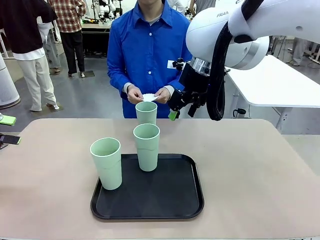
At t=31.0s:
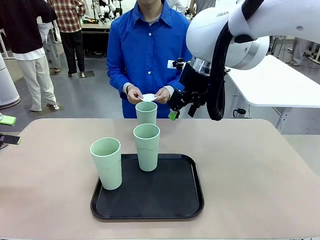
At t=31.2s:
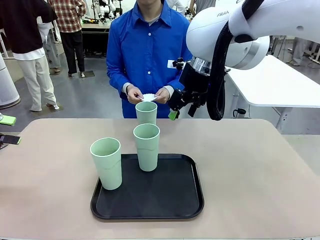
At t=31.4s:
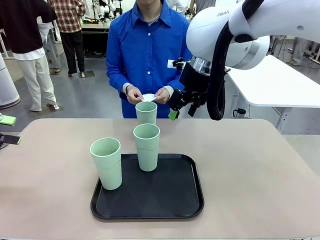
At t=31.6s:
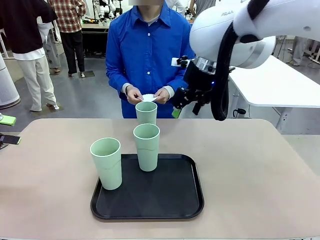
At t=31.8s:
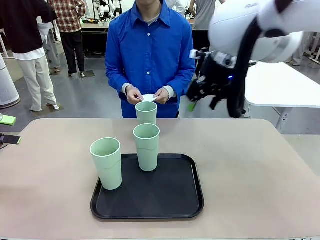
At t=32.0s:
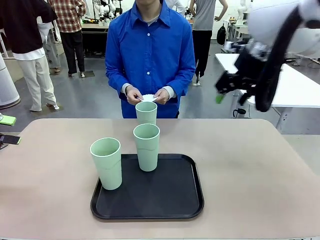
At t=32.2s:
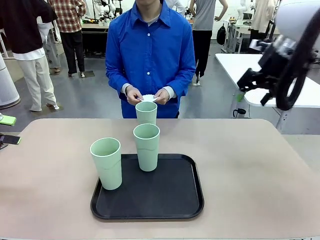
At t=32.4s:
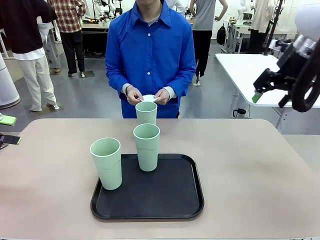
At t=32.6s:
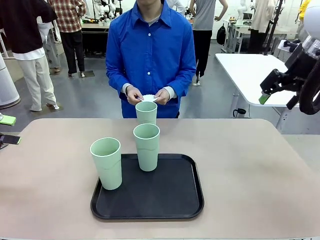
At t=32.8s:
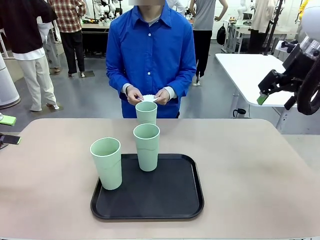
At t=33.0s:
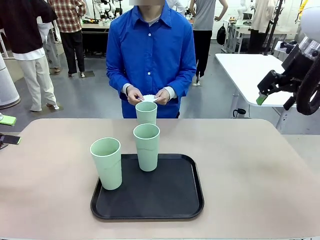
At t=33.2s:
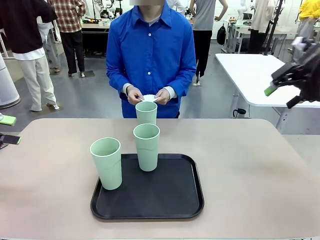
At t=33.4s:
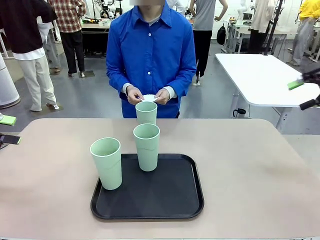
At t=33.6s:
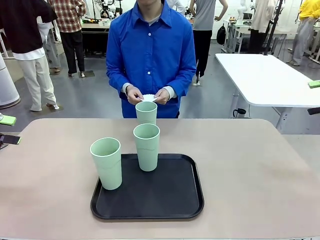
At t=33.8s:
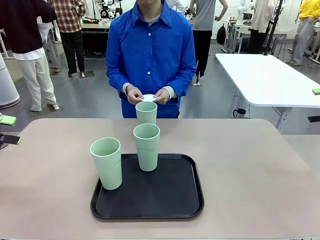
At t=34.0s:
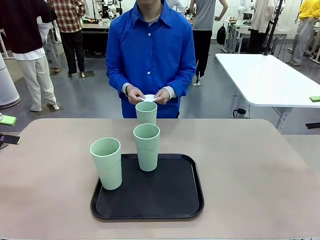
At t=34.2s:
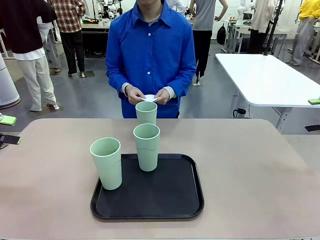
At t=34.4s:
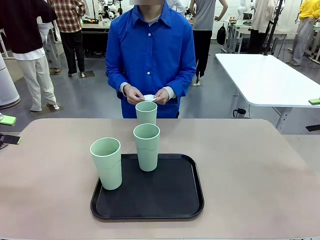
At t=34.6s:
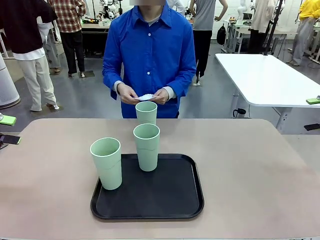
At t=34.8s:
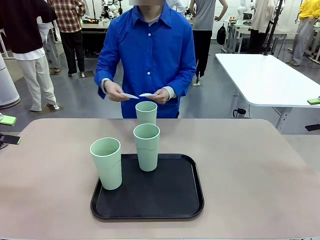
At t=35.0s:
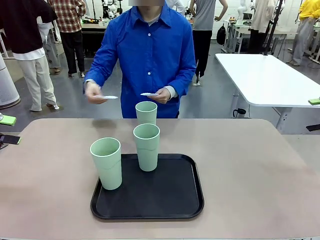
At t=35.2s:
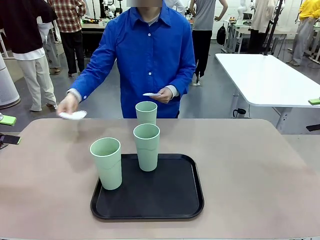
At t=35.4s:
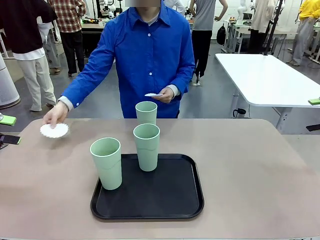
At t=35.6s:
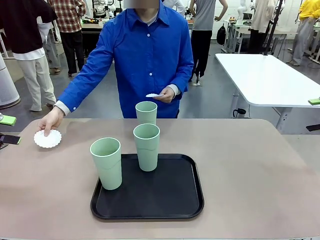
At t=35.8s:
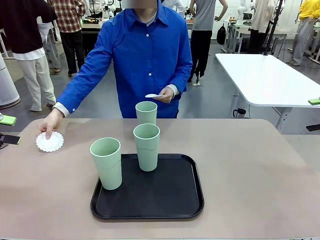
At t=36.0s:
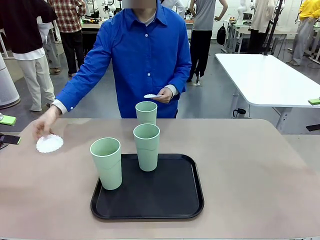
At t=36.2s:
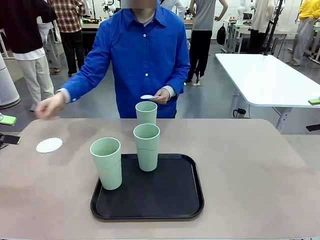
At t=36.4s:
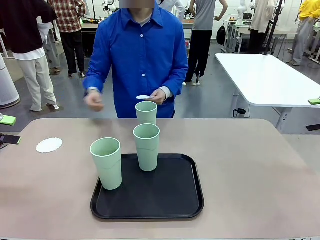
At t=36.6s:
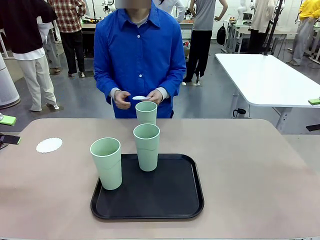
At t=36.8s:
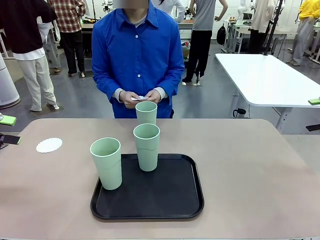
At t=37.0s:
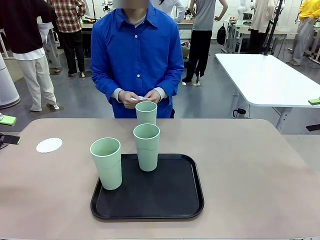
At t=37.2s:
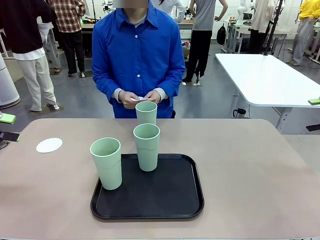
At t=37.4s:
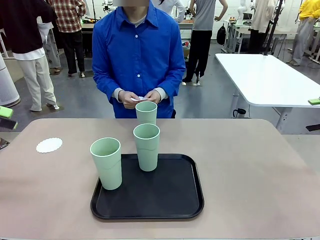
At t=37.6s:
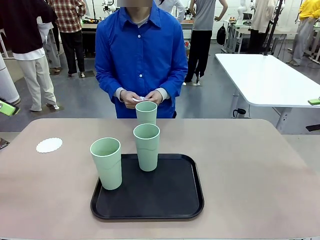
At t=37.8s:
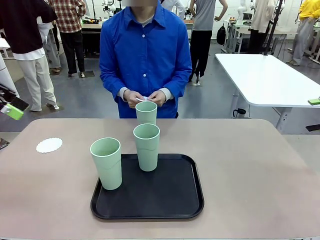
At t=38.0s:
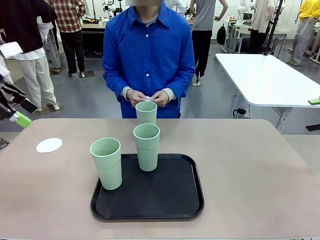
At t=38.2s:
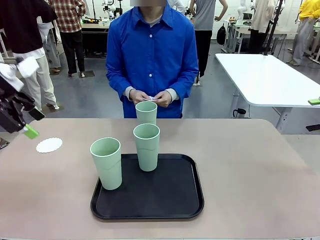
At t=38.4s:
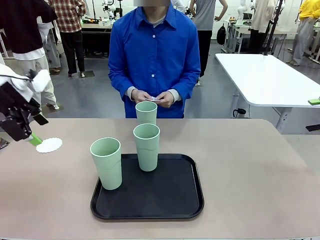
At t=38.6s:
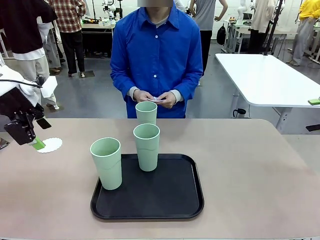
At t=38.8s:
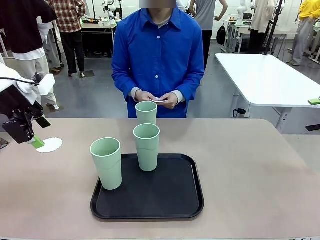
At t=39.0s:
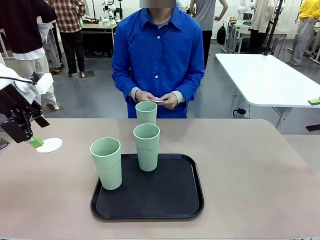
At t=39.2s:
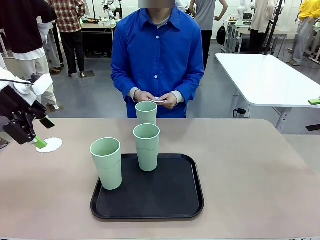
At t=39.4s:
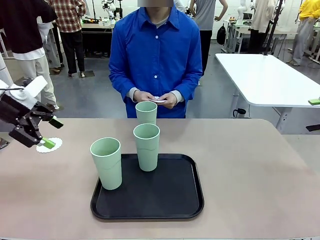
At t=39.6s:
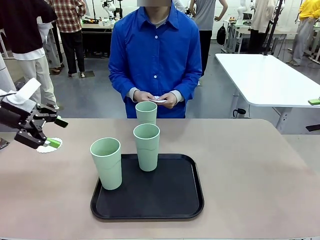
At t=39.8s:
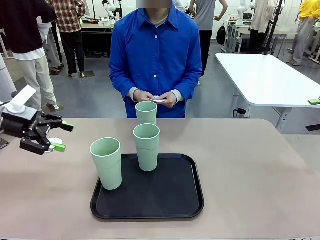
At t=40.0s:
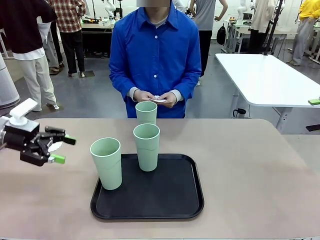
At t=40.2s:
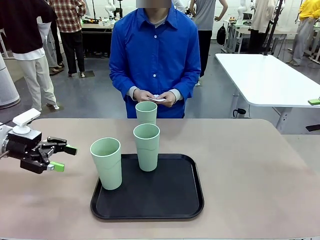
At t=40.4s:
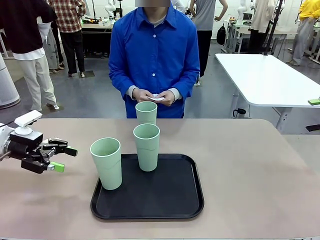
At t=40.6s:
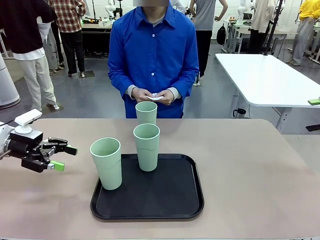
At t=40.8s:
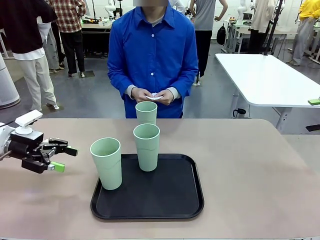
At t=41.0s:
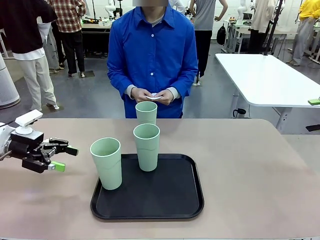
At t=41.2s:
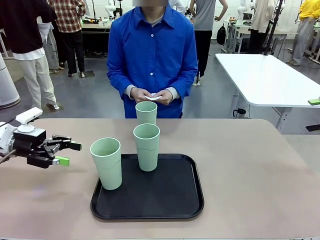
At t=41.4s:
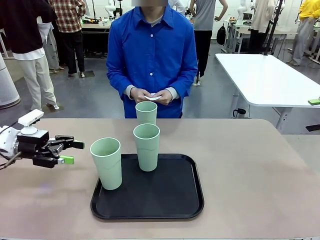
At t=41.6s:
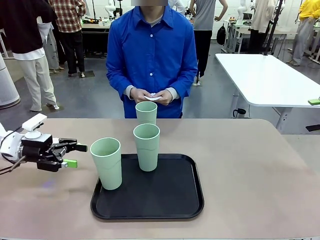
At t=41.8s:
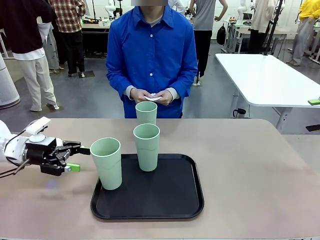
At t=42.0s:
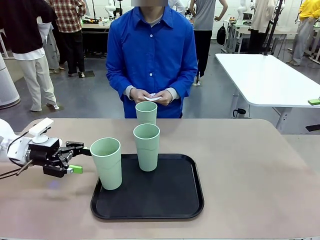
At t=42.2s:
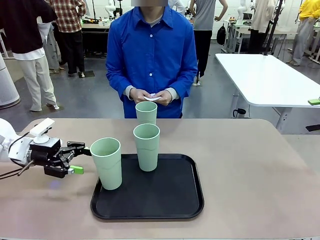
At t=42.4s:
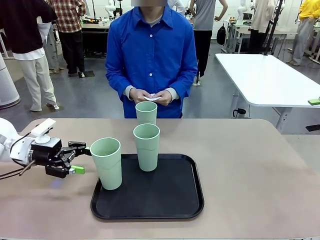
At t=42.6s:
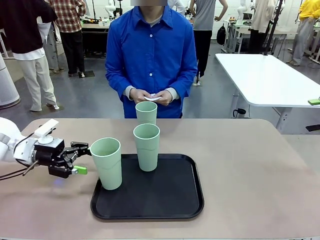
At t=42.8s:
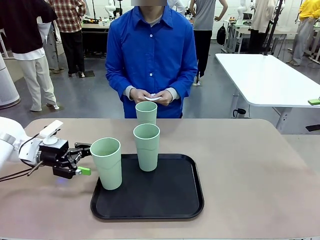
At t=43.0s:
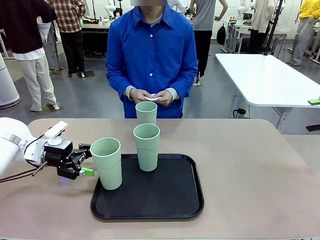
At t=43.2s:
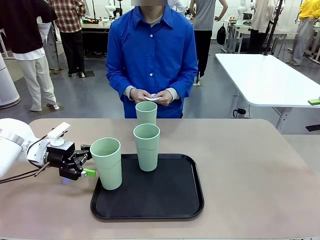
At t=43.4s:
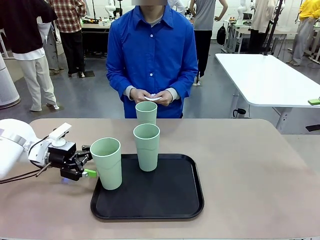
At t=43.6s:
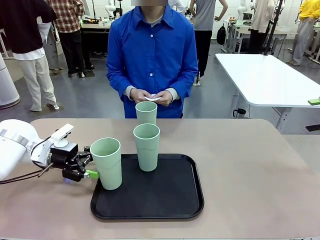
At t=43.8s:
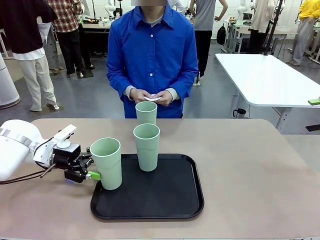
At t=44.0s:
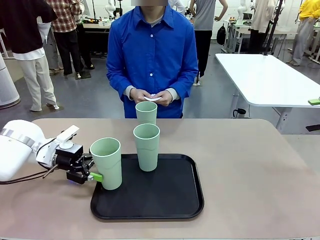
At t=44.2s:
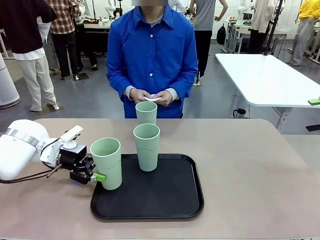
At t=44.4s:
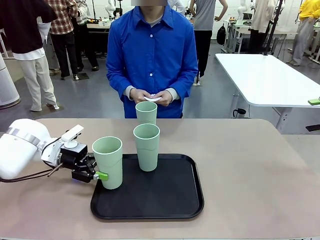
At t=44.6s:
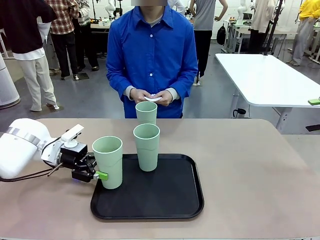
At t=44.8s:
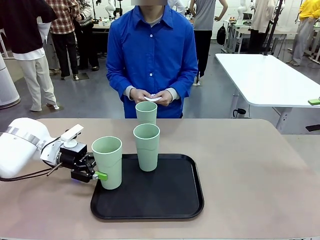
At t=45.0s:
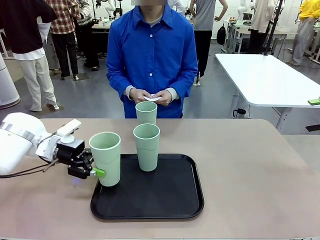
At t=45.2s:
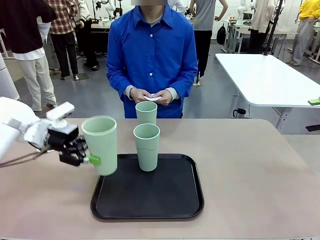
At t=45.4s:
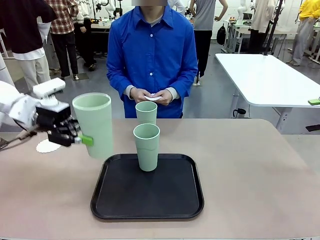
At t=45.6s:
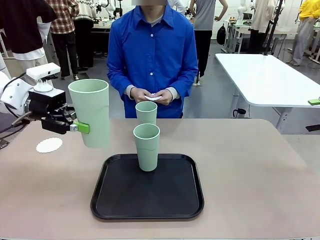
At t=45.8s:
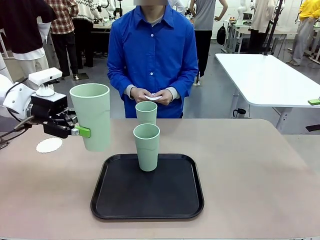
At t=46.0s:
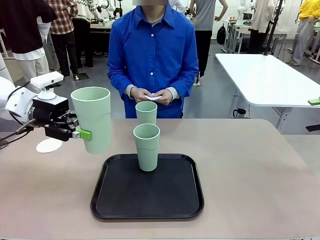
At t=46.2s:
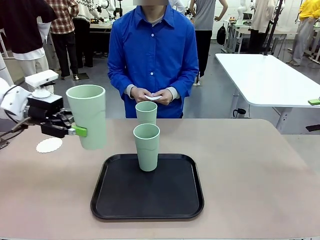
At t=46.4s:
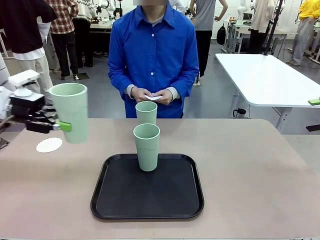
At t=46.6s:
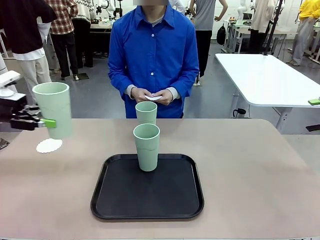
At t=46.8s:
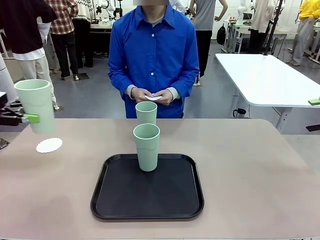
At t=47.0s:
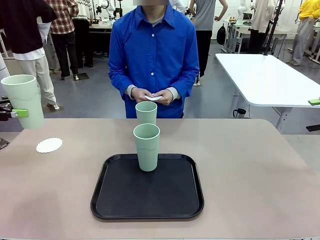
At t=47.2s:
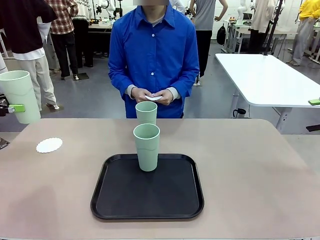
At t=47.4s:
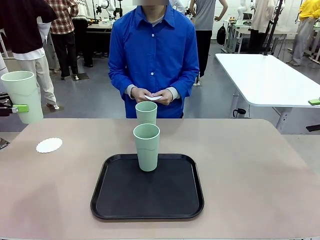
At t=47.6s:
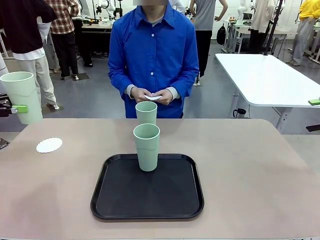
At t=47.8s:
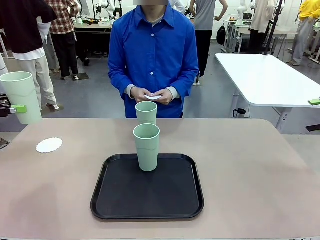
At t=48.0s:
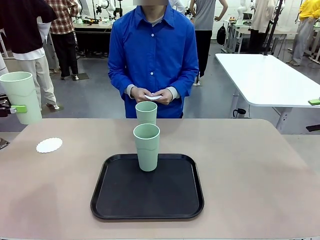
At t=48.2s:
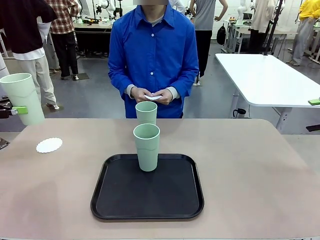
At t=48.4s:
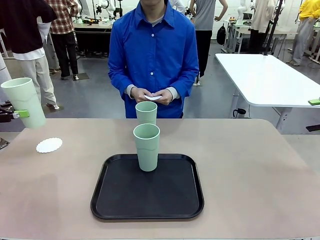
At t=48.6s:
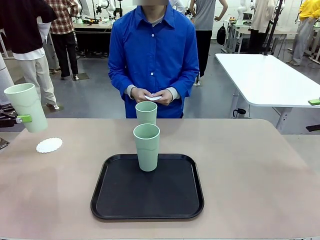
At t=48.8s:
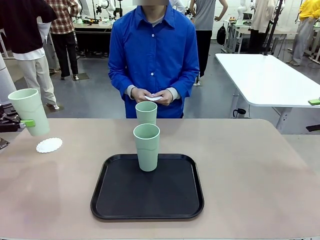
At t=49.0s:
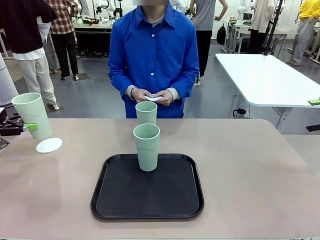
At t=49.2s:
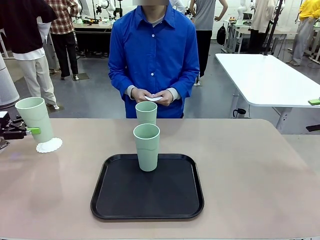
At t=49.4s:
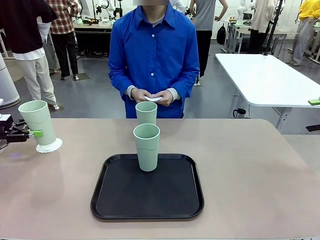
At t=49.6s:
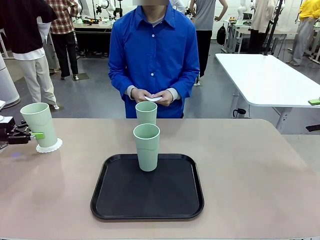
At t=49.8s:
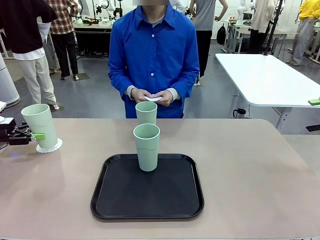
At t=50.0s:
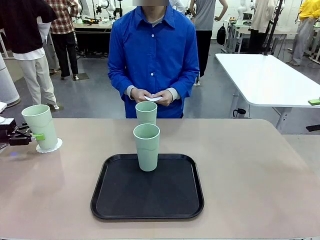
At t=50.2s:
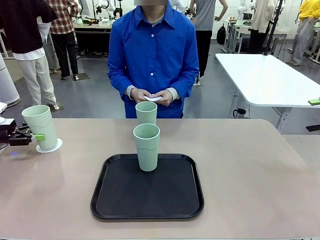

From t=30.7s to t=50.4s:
Task: Place coasters on the table and set cups on them.
Robot: Take one Reusable plastic cup from the Flat Tray and place it on a coaster set by the human.
